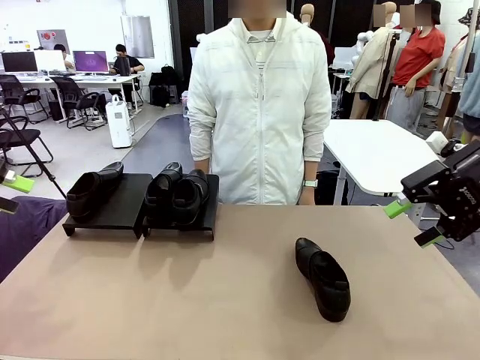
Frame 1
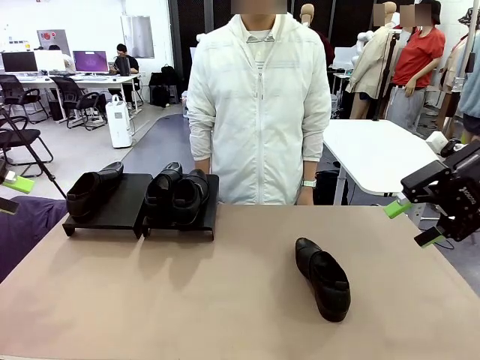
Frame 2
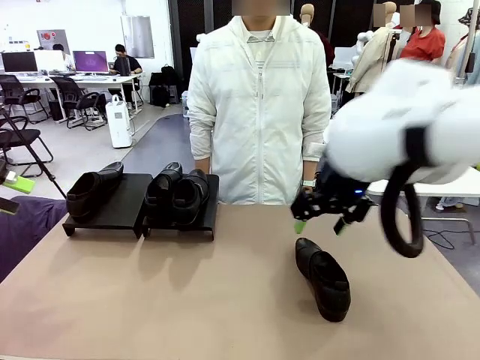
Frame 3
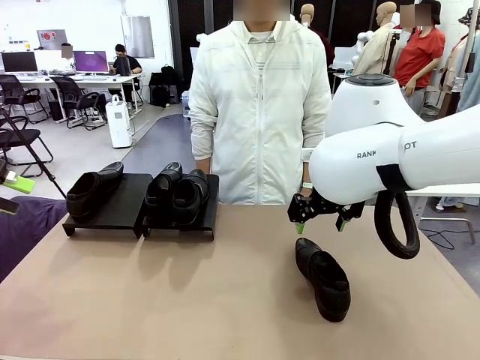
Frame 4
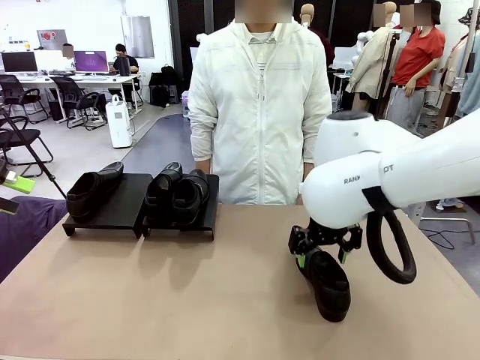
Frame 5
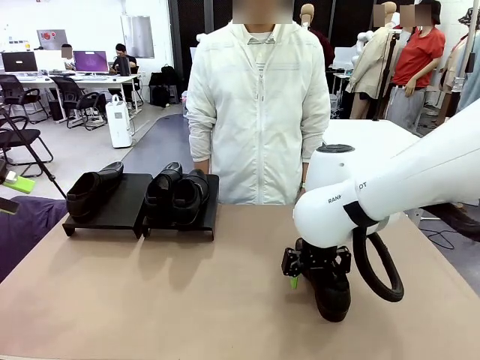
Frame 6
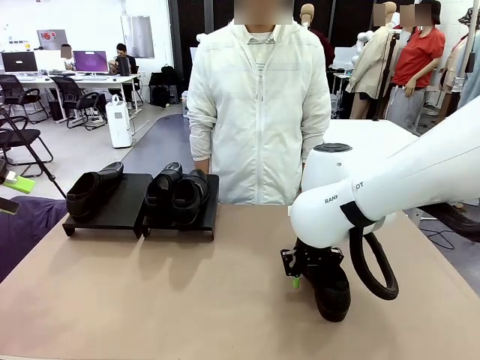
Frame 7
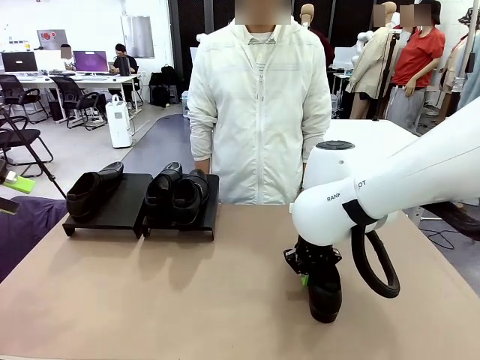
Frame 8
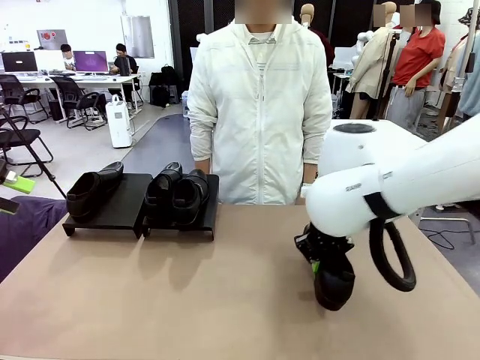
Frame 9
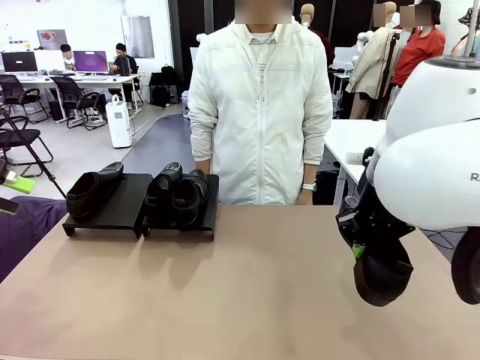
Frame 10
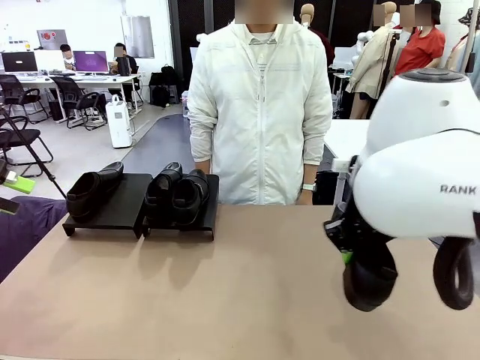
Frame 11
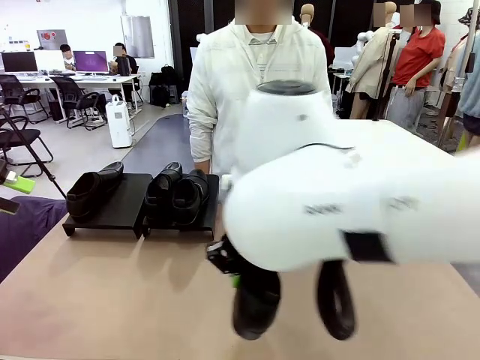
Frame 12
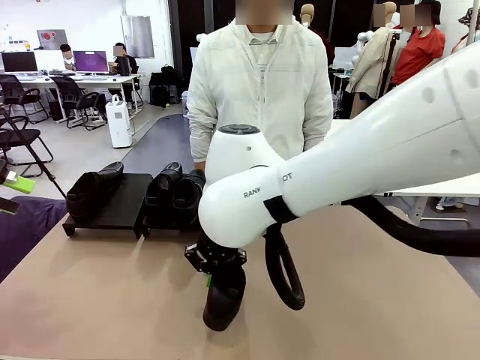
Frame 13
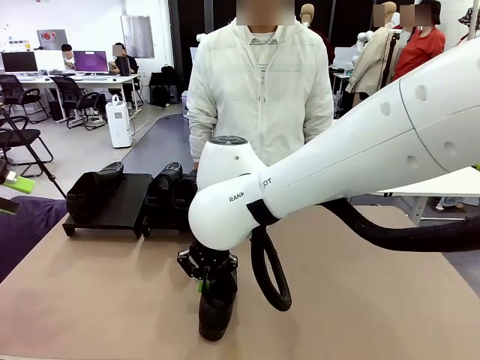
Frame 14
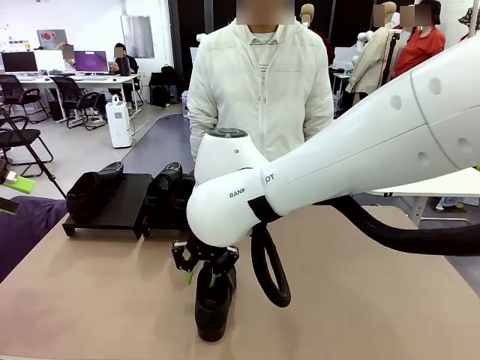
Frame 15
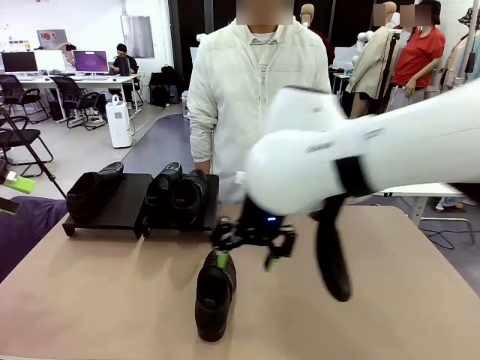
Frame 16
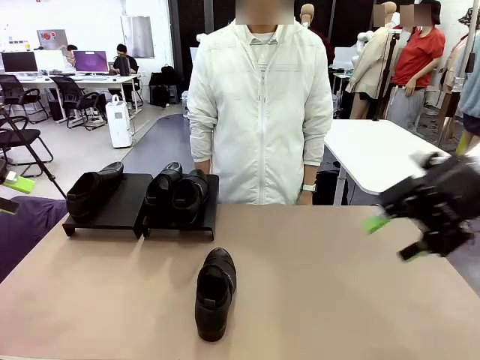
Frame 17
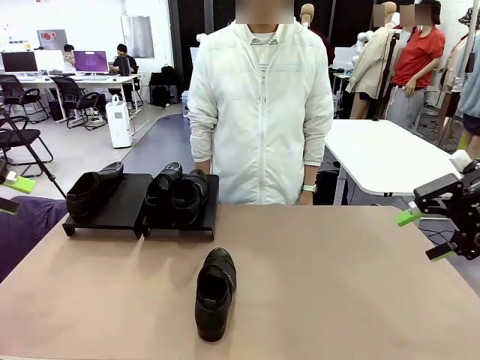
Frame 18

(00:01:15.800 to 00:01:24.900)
Task: Organize the shoes by placing them on the stand.
Robot: Pick up one Shoe and place it in the middle of the table.

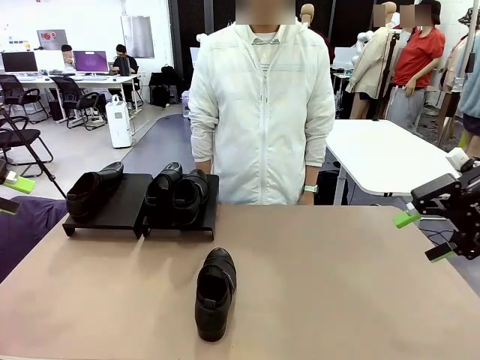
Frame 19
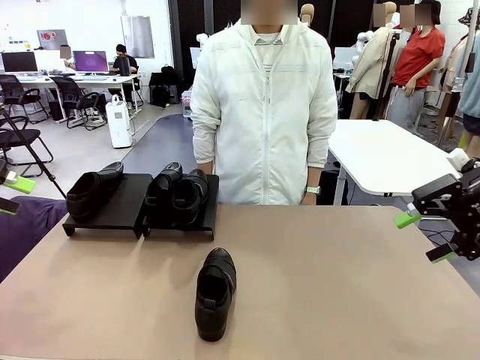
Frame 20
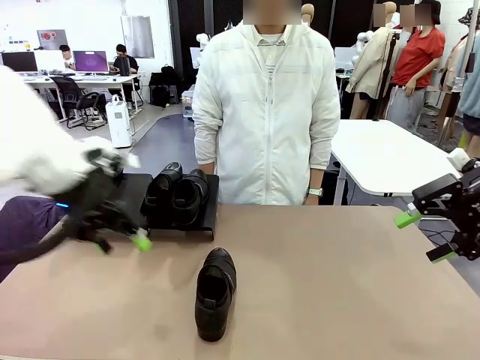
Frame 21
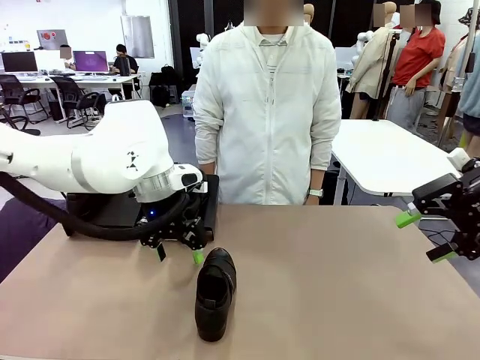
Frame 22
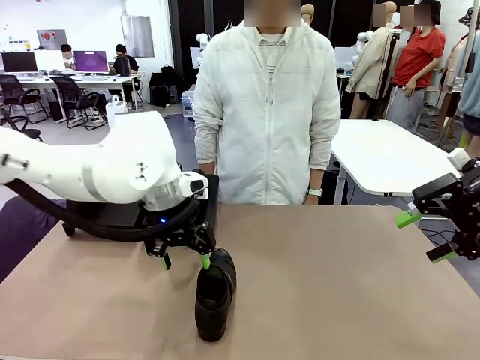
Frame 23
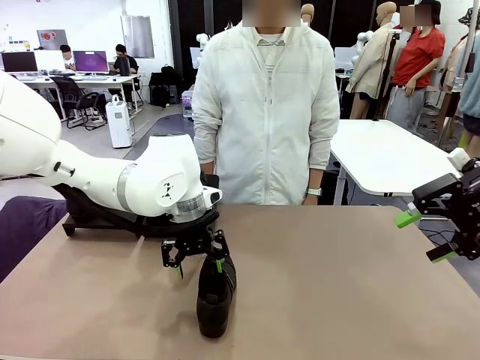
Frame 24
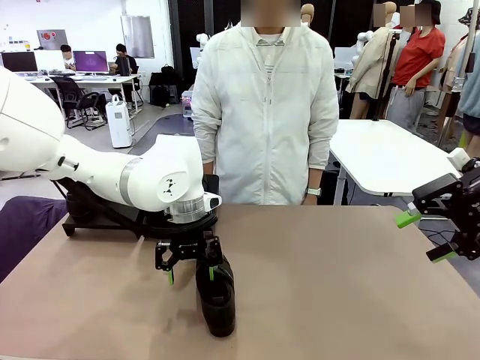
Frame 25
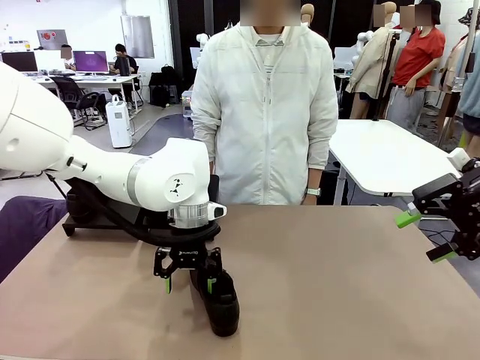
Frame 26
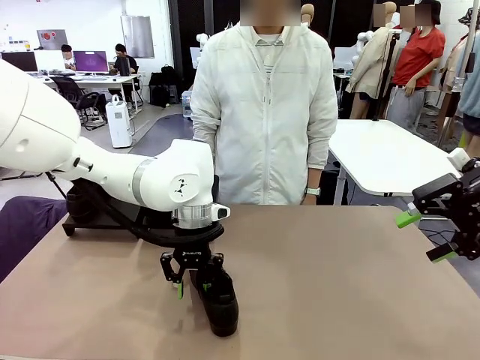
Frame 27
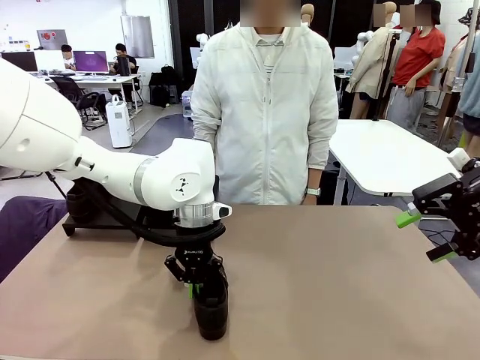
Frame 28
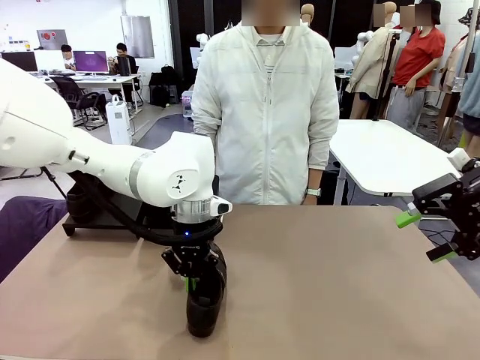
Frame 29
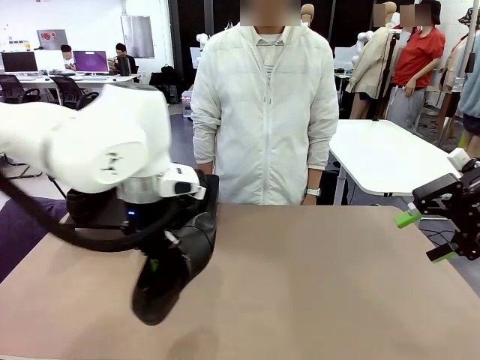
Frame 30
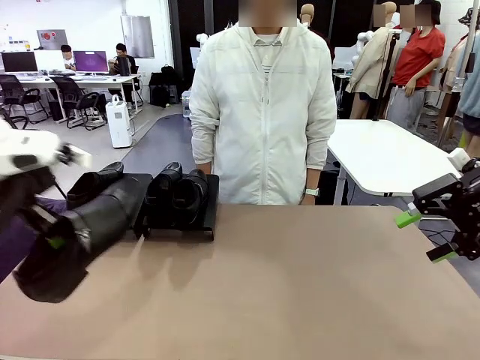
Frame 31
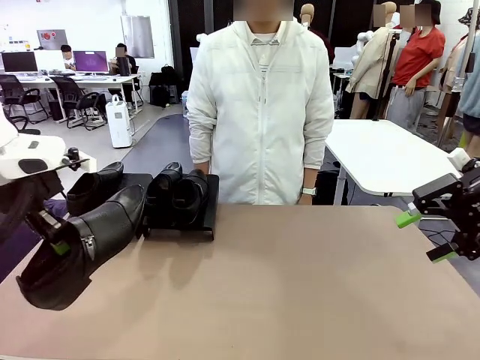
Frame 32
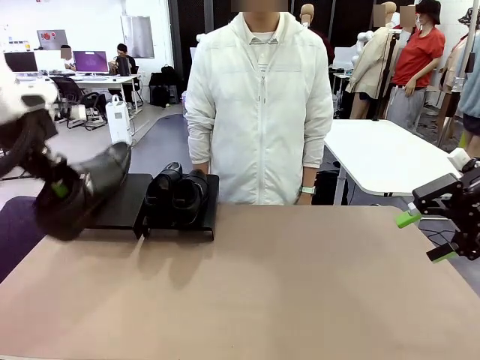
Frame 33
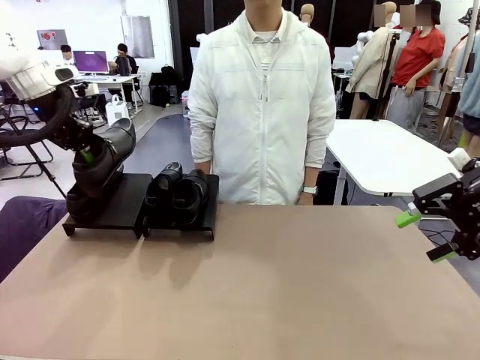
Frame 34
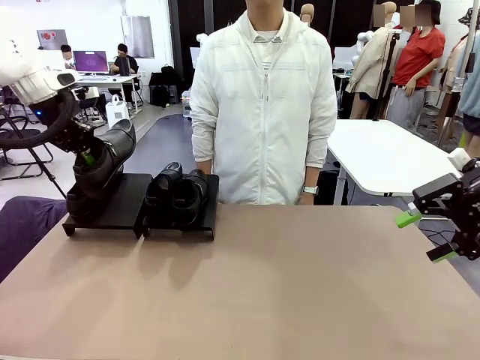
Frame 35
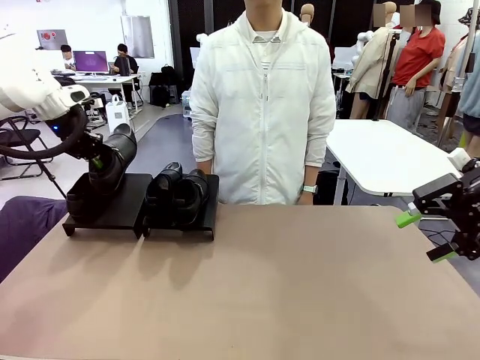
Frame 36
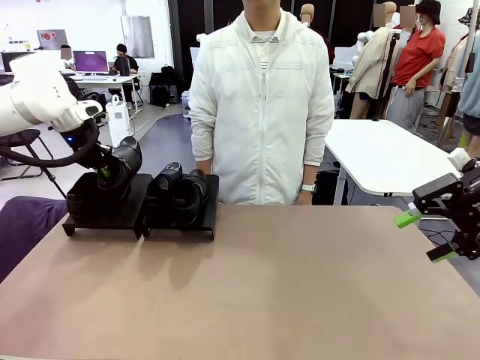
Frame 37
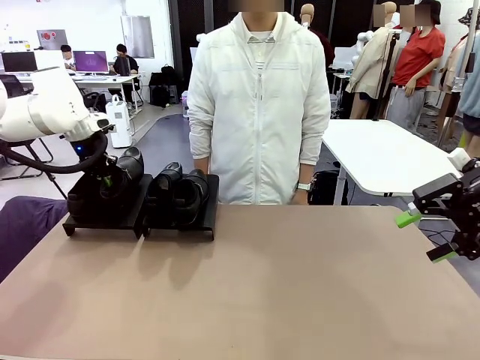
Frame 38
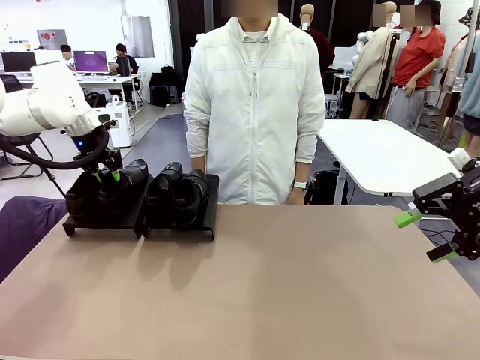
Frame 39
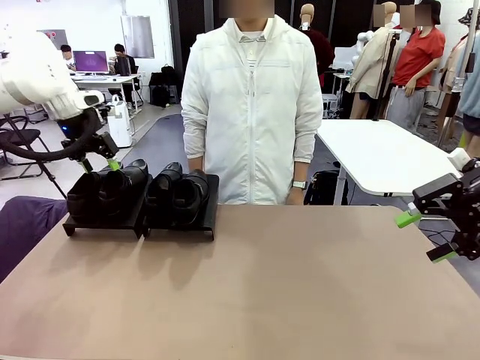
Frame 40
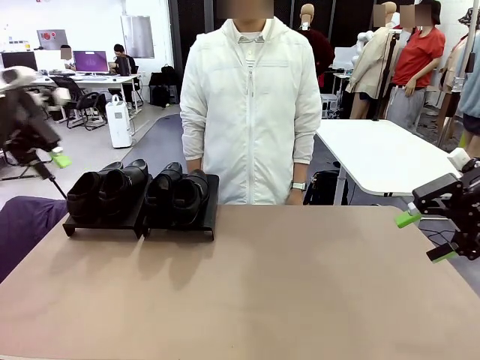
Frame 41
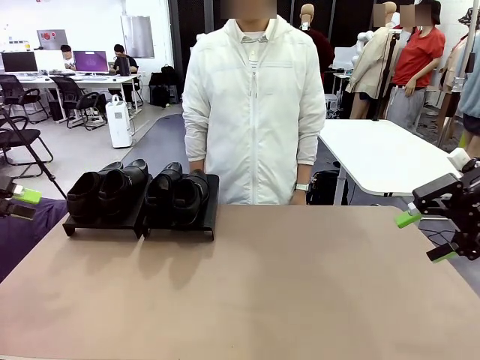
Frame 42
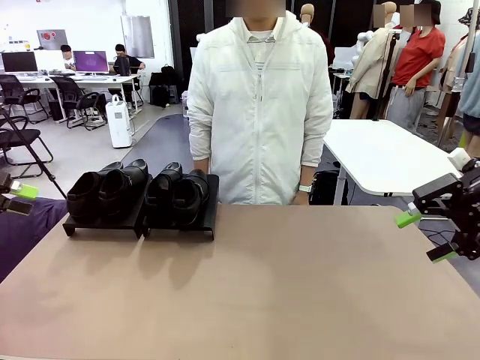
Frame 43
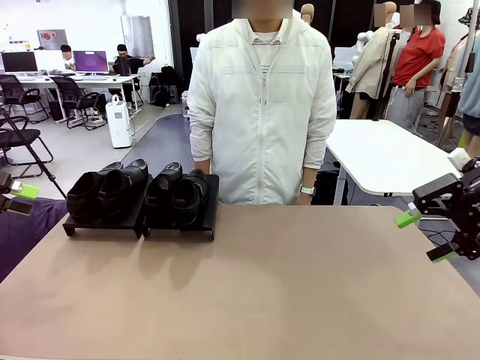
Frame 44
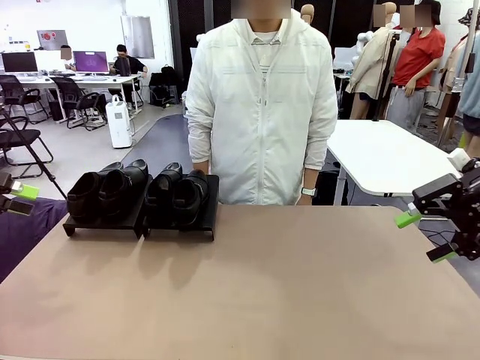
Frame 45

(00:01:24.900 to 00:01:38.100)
Robot: Place the Shoe from the middle of the table onto the Shoes Stand.
